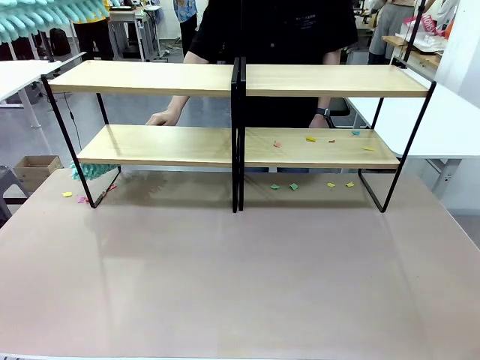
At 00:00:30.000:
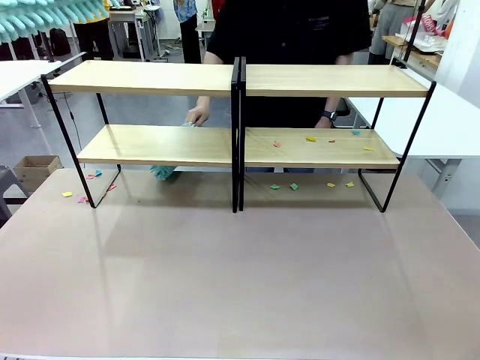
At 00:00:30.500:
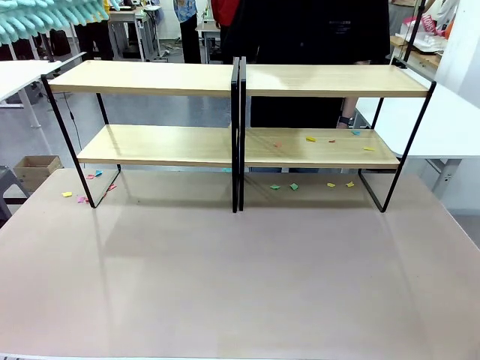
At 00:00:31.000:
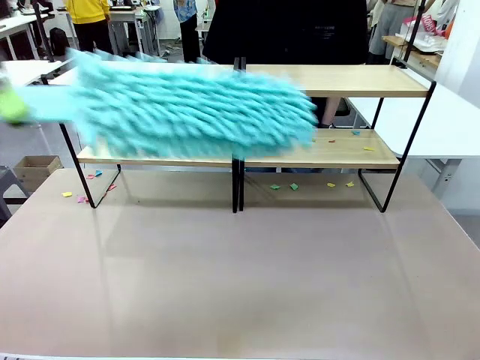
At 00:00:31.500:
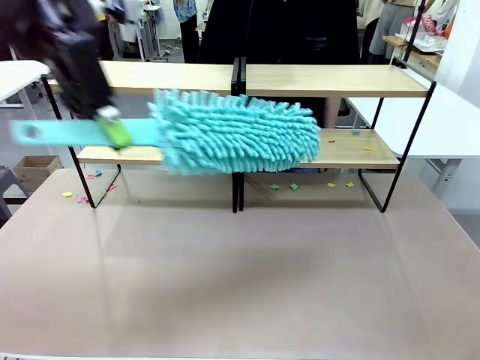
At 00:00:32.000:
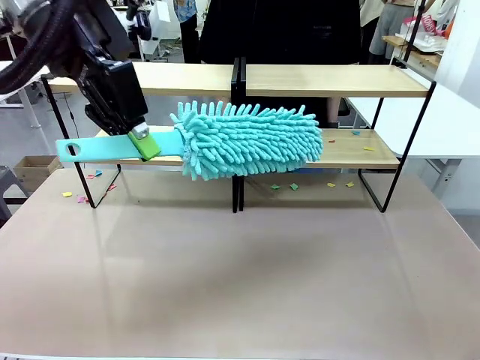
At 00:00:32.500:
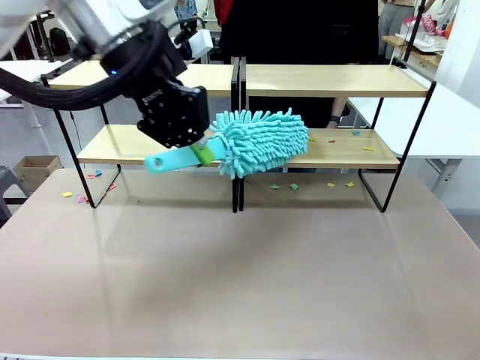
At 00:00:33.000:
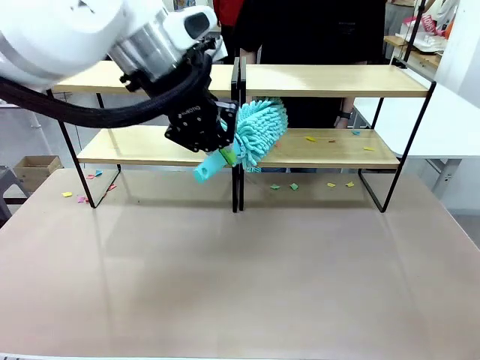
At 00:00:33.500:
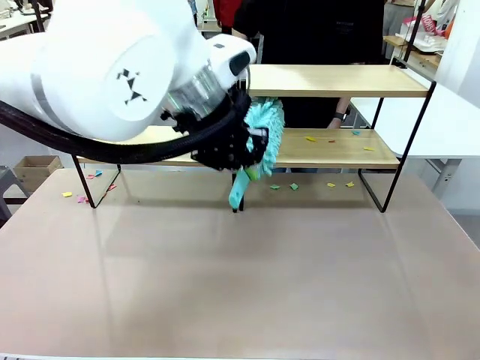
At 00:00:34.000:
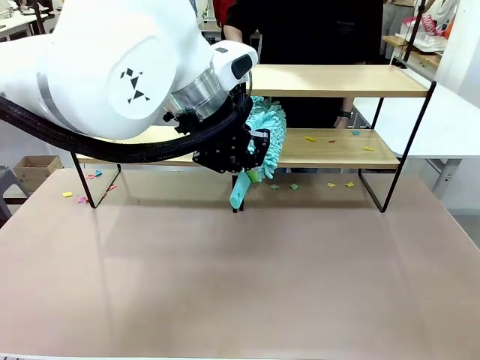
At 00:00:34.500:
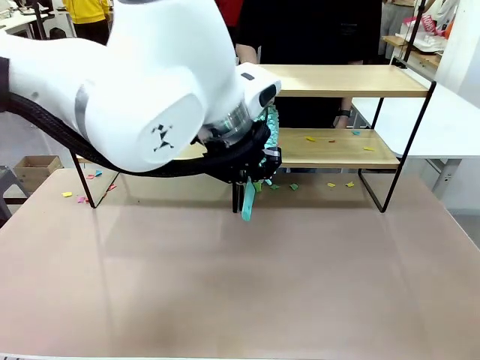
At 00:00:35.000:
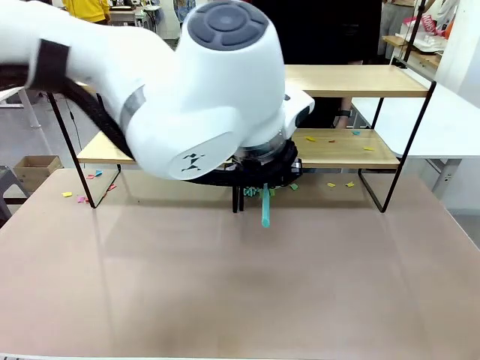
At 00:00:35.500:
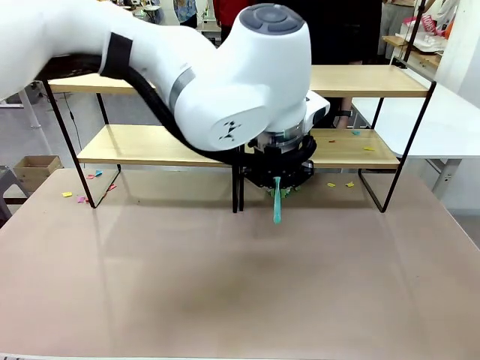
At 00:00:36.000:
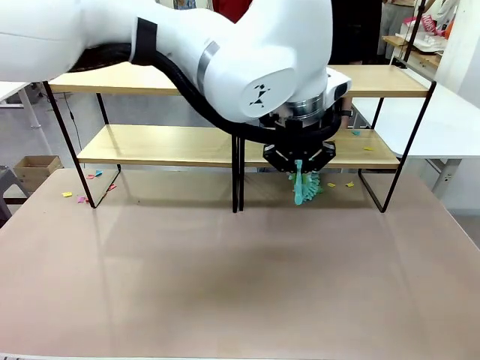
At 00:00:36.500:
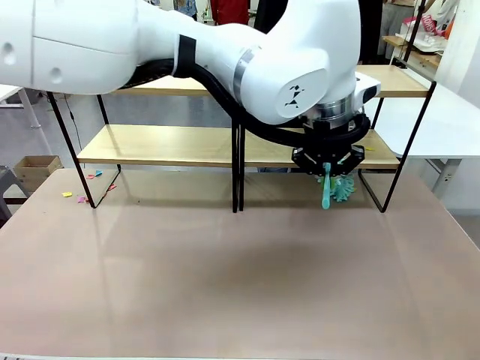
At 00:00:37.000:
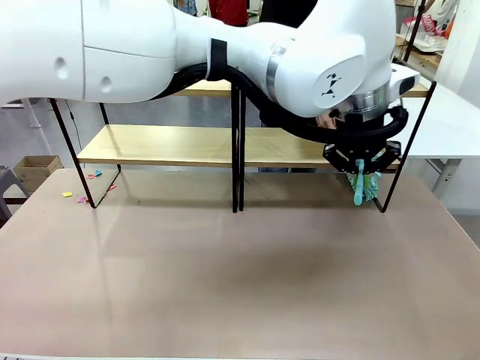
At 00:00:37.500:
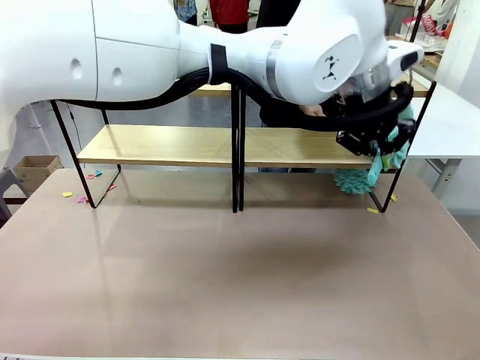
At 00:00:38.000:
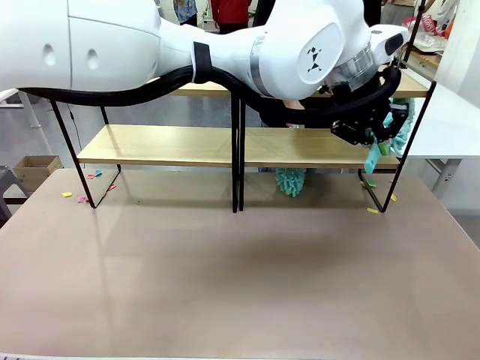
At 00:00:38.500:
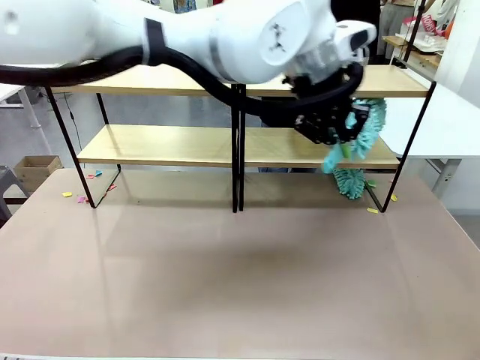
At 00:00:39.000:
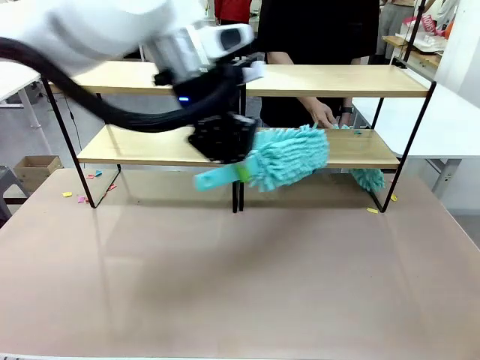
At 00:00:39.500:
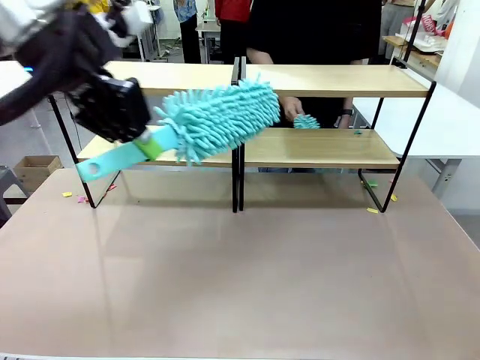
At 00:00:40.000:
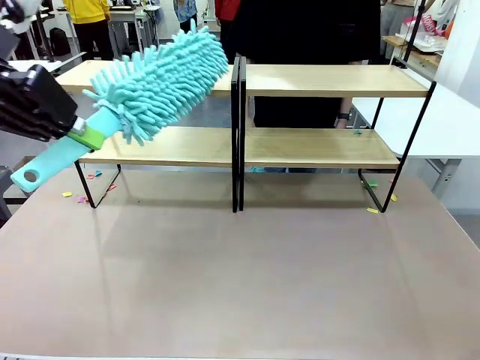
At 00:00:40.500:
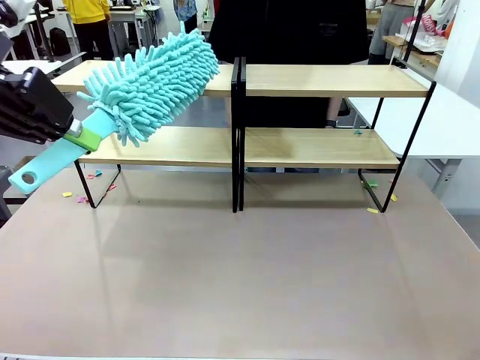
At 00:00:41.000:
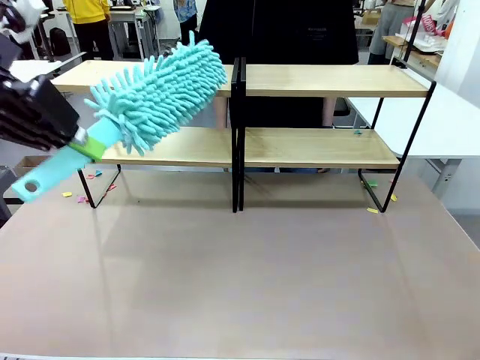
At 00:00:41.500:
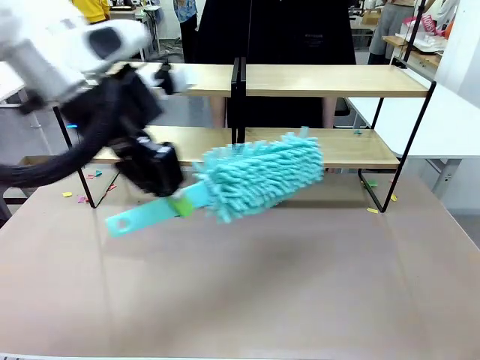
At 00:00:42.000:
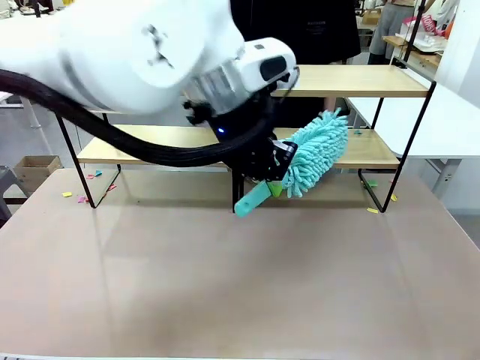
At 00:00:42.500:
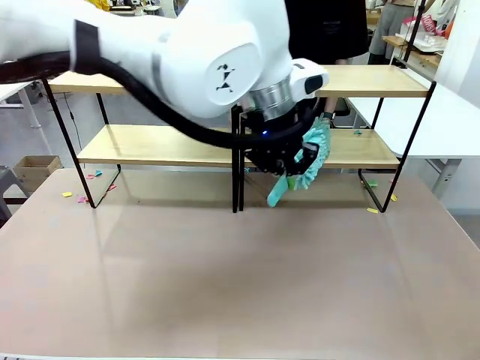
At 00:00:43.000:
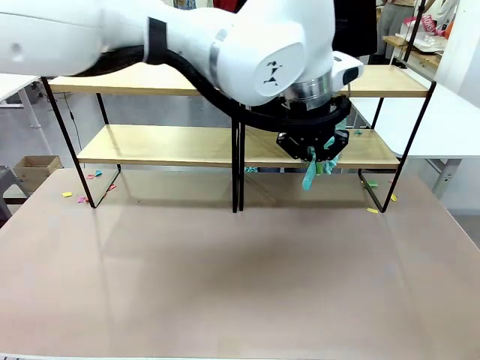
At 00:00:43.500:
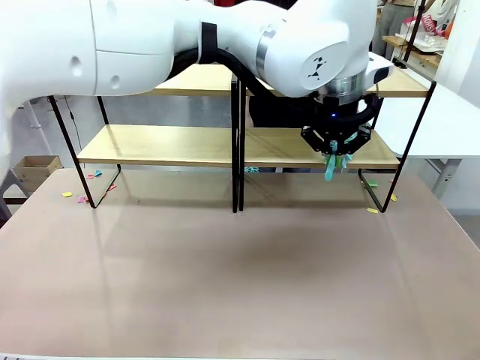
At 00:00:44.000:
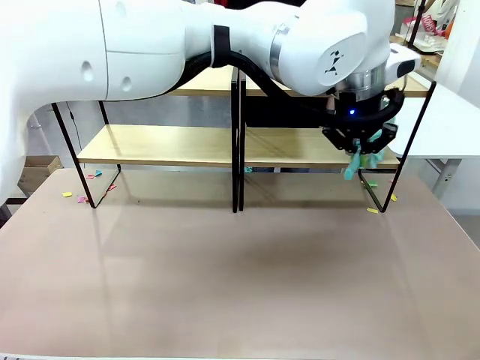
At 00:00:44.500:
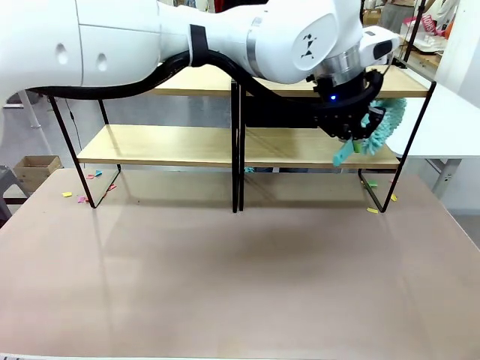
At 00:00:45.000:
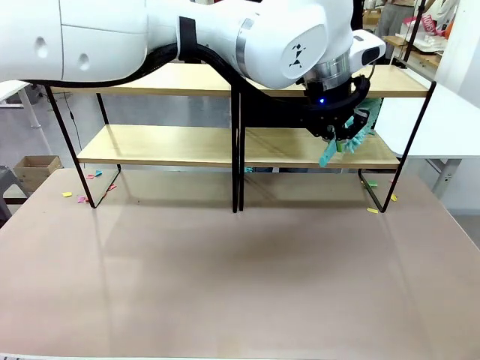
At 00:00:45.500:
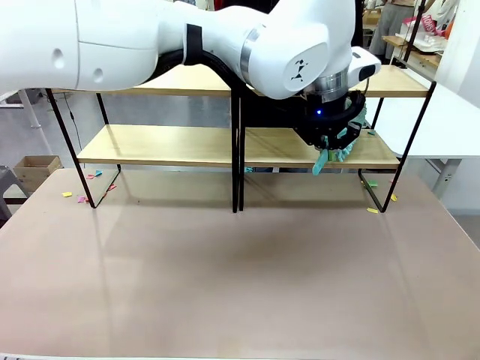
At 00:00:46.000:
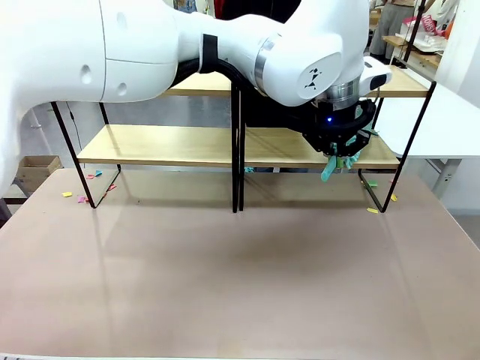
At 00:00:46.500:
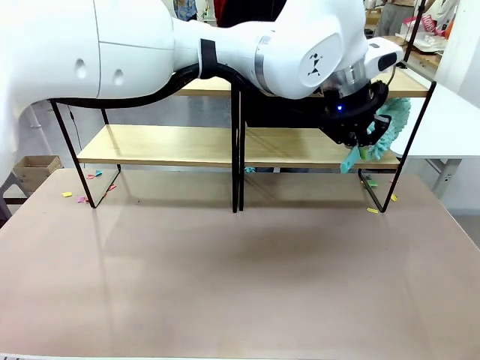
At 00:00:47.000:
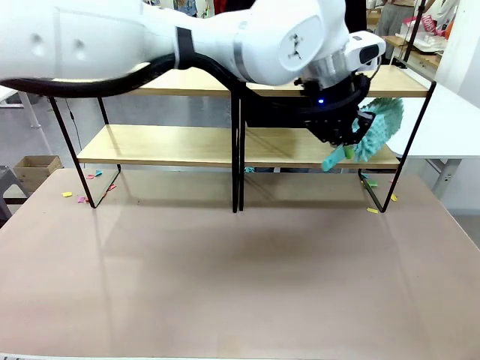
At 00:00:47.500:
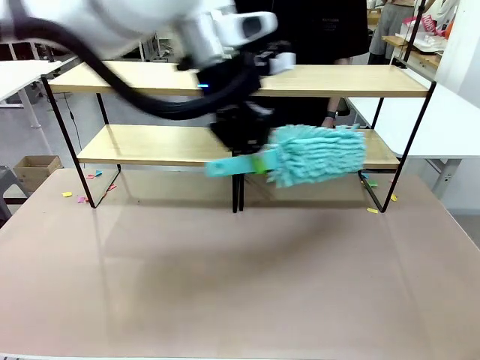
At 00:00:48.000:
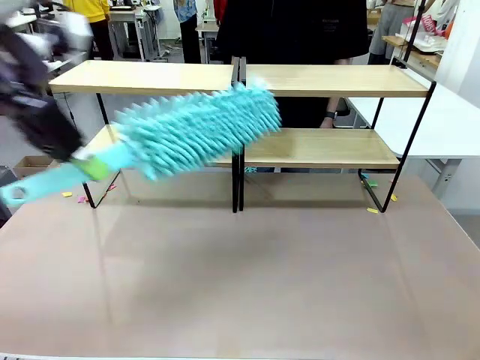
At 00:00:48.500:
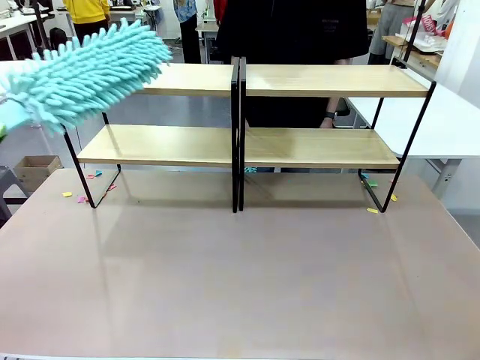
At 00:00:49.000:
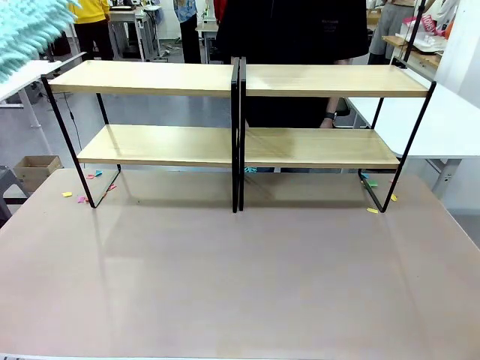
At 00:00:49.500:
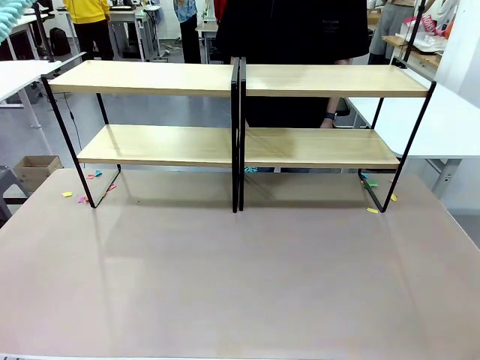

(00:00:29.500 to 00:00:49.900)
Task: Clean the shelves.
Robot: Clean another randomly selected level of the Shelf with the Duster.

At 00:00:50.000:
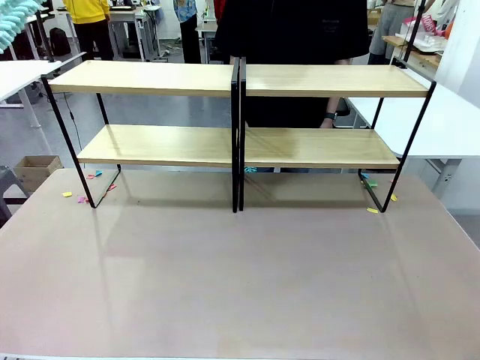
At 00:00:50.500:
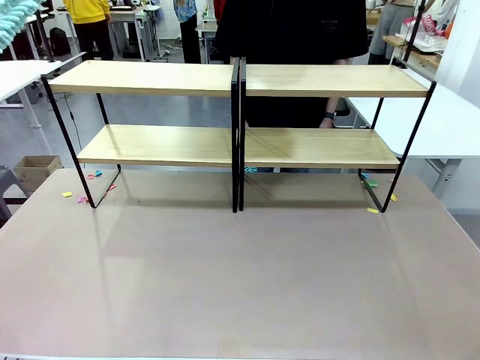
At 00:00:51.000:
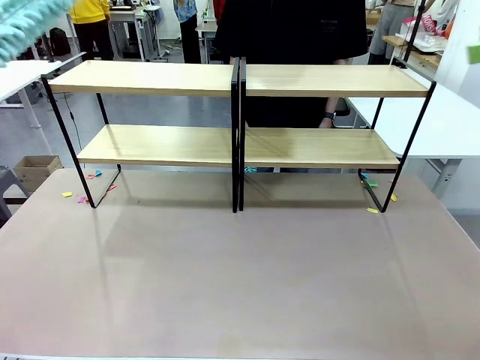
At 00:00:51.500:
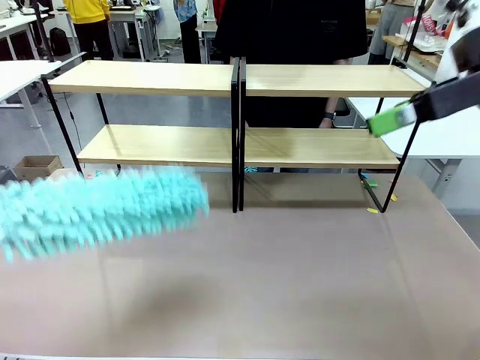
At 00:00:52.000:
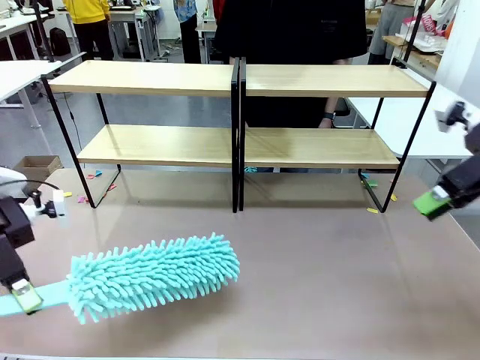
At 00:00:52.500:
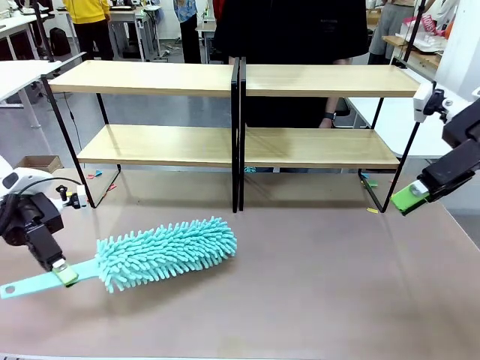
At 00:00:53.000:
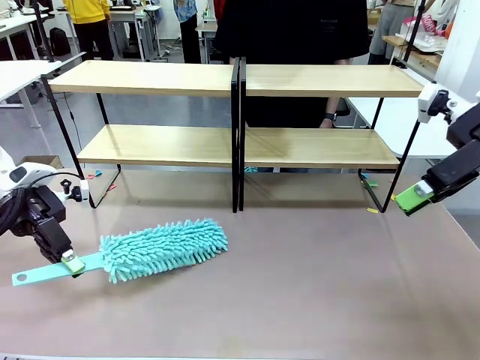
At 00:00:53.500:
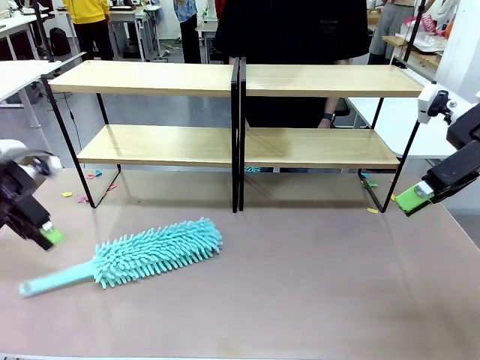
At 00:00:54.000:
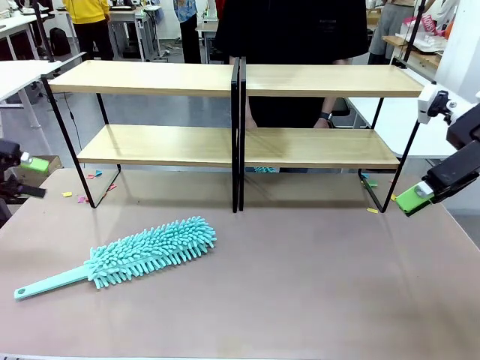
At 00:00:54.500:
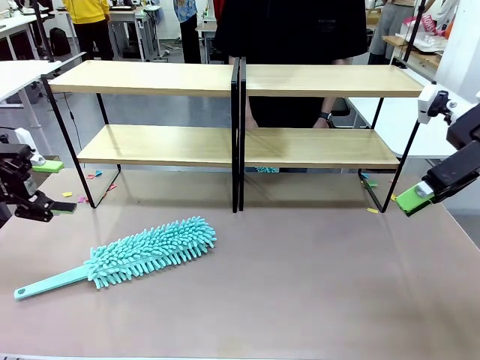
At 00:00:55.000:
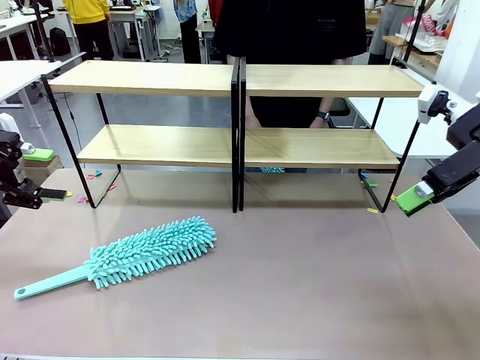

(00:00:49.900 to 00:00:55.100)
Robot: Place the Duster on the table.
